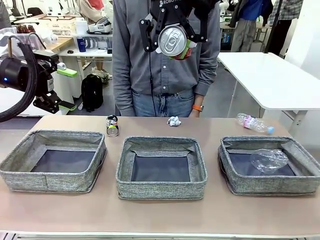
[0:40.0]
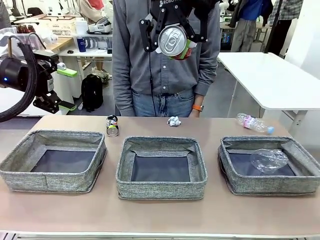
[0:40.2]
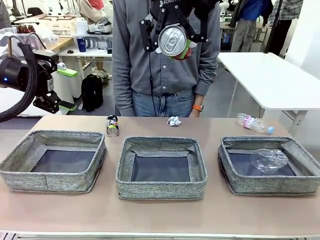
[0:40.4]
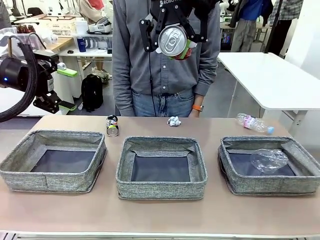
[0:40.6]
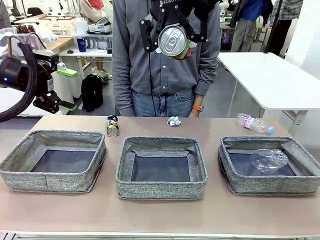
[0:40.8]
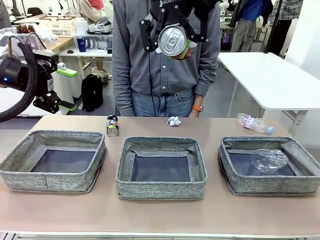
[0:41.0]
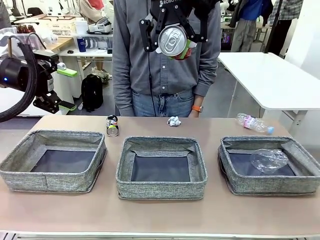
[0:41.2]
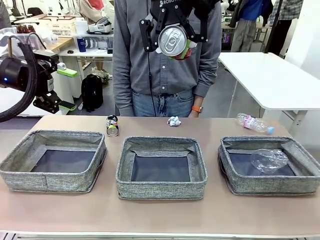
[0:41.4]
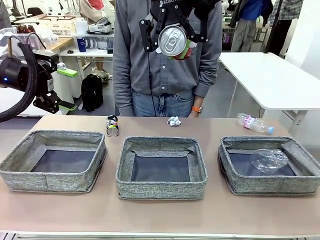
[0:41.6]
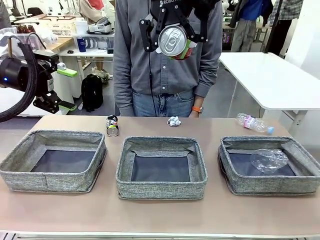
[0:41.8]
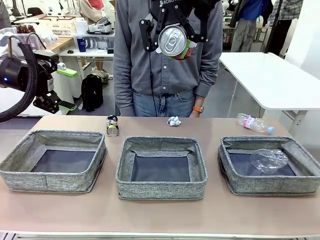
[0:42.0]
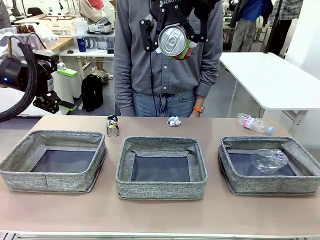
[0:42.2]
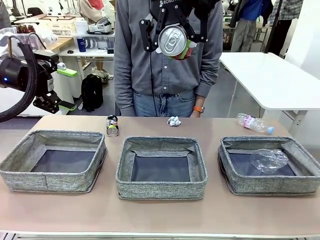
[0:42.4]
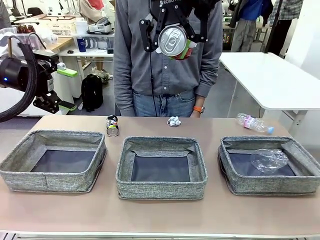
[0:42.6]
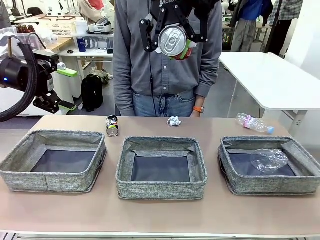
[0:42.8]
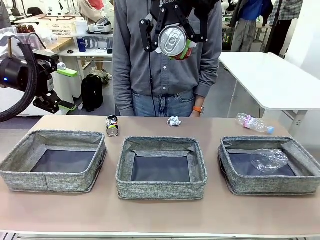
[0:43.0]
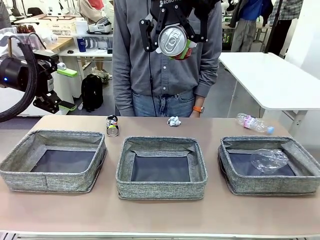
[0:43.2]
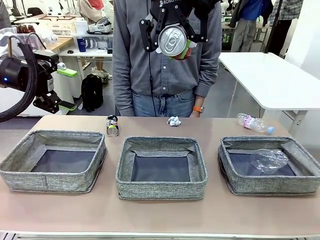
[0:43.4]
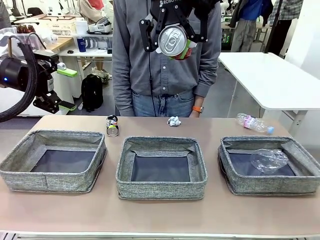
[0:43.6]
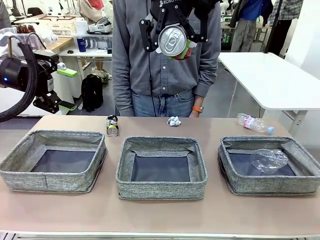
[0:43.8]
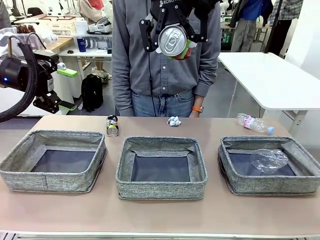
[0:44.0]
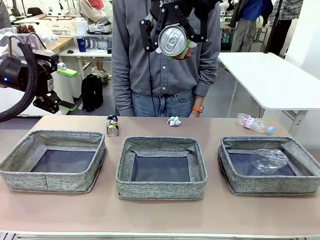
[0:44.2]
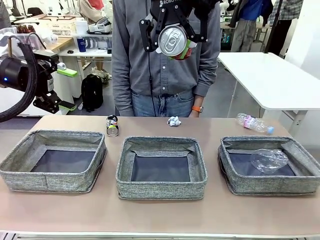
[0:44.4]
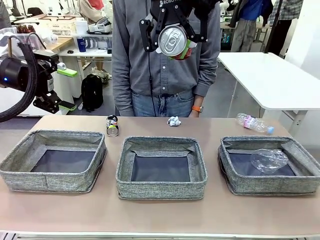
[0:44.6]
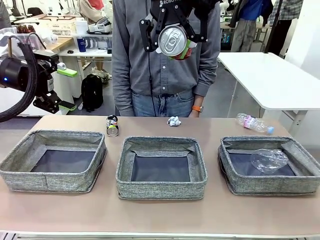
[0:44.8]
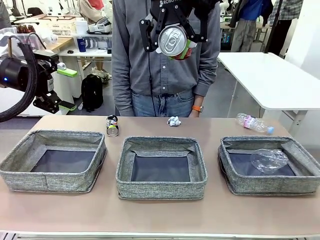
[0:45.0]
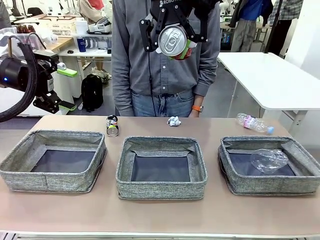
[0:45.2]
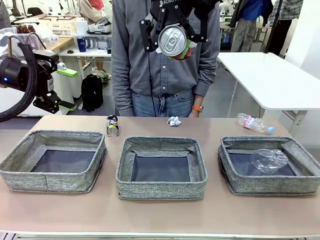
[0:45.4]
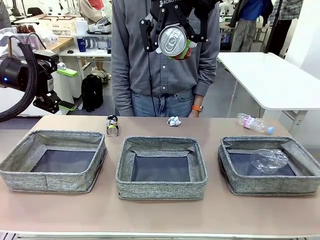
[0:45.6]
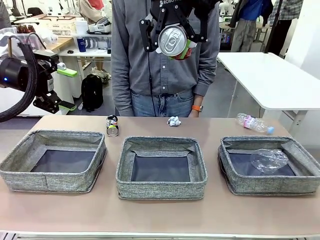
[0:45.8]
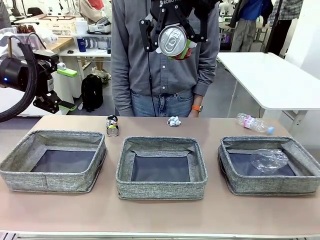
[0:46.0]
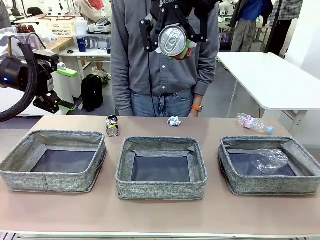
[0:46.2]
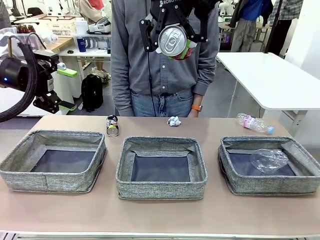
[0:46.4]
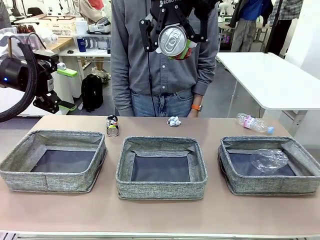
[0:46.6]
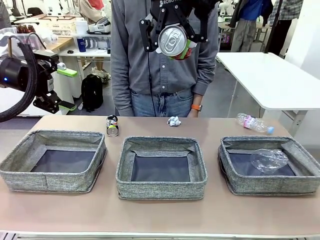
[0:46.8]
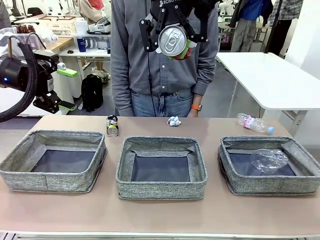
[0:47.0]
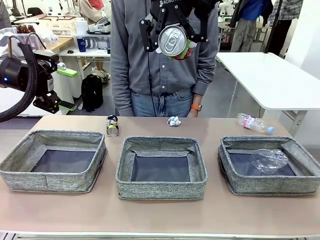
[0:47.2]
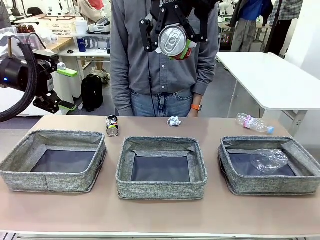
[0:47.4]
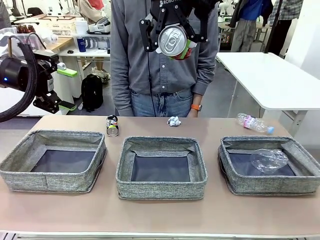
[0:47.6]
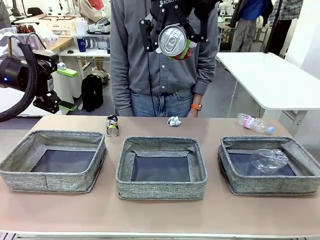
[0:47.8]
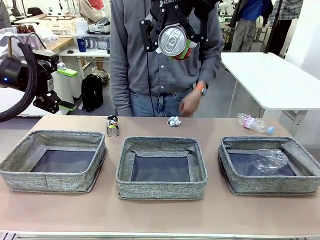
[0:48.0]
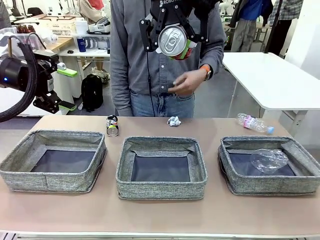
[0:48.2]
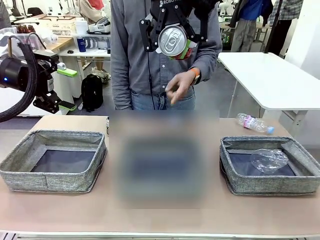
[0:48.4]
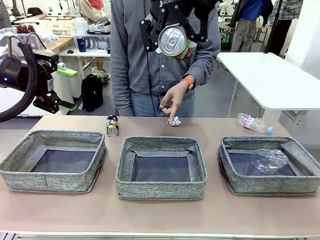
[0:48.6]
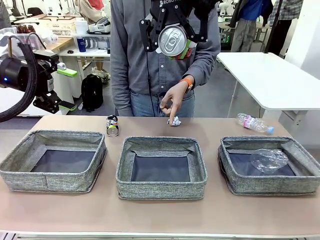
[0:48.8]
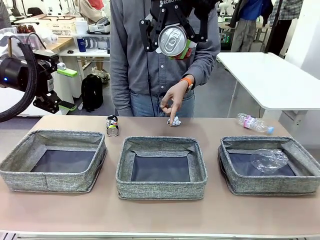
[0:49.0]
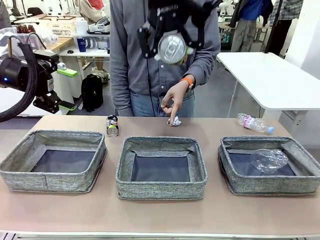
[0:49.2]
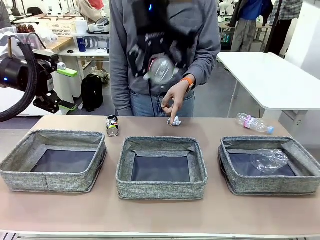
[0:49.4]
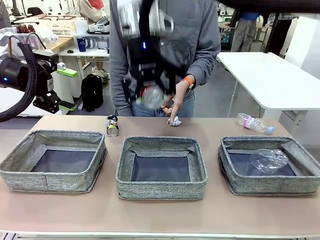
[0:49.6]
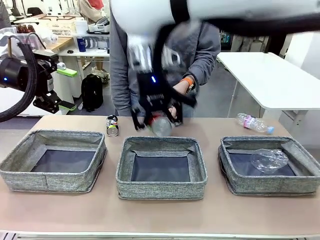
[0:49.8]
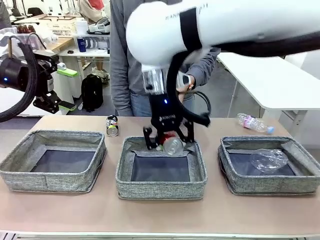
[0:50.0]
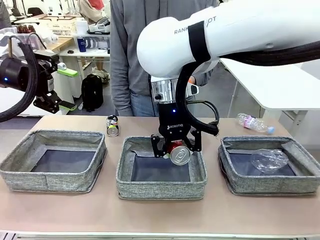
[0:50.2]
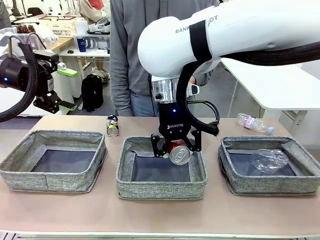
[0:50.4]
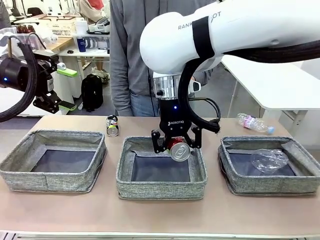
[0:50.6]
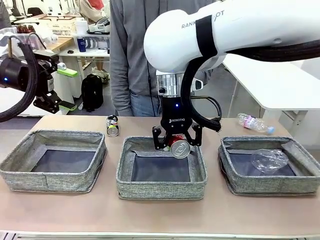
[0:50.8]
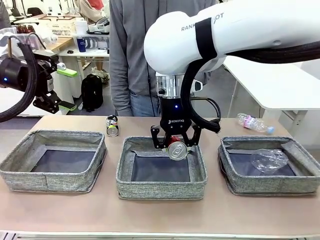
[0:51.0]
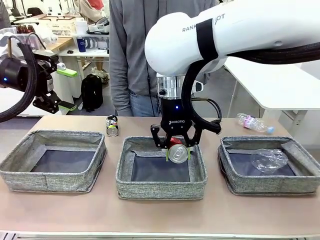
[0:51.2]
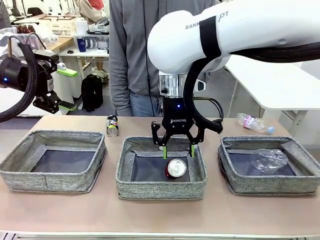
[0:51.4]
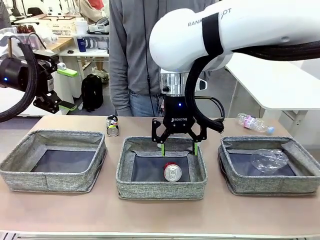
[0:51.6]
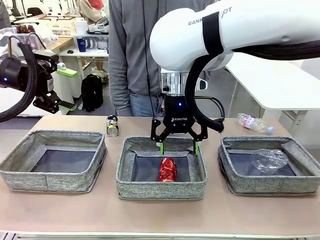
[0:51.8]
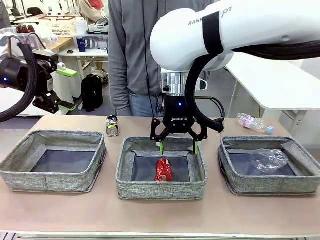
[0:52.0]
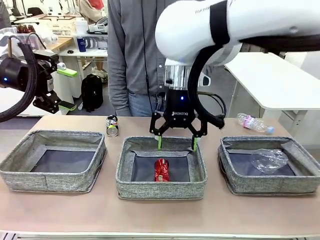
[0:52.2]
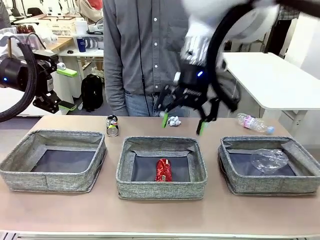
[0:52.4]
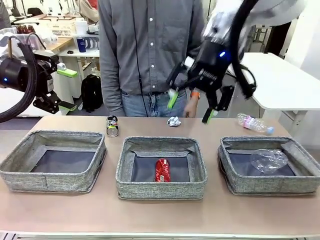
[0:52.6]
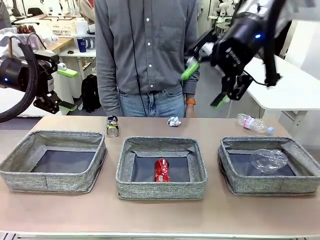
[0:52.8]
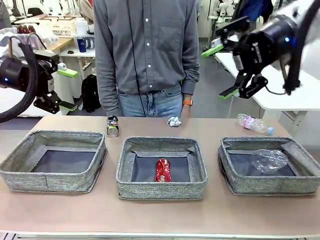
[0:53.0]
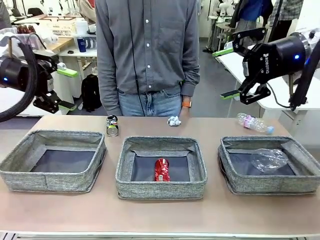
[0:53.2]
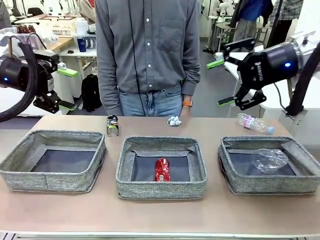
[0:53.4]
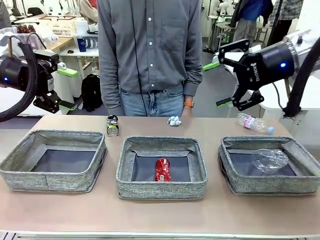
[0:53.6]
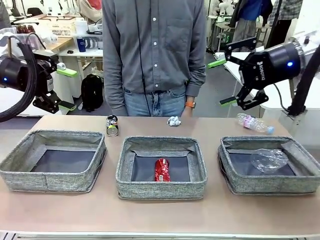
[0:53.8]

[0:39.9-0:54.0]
Task: Sort the waste into the appropriate baskets.
Robot: Place the picked waste into the Fabric basket indicated by the person.
Person: Instructs the robot to place the picked-up trash into the appropriate organizing basket.

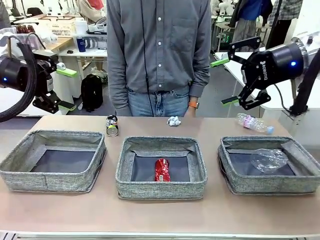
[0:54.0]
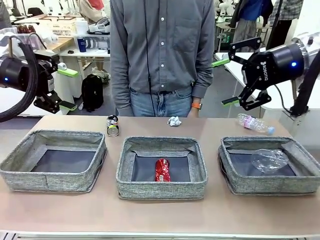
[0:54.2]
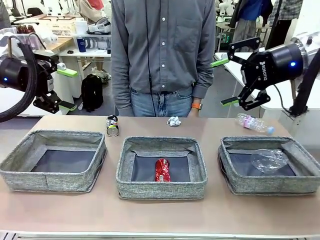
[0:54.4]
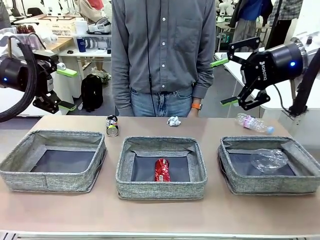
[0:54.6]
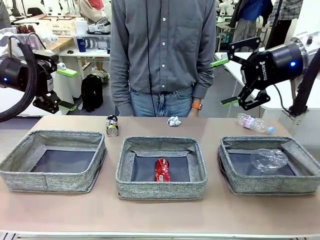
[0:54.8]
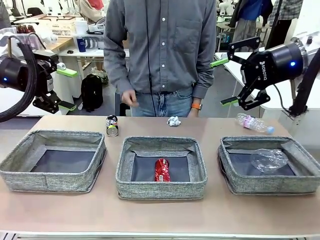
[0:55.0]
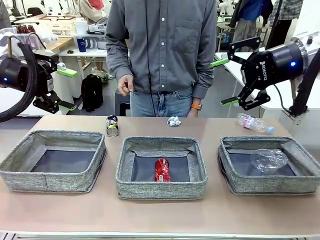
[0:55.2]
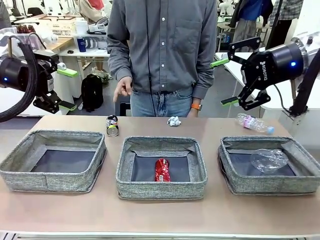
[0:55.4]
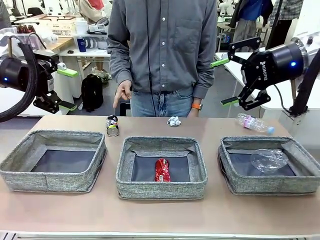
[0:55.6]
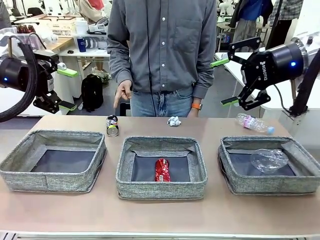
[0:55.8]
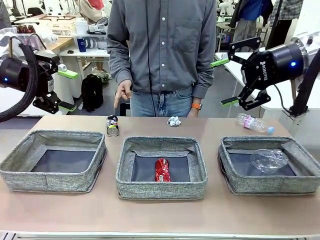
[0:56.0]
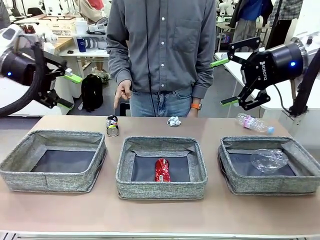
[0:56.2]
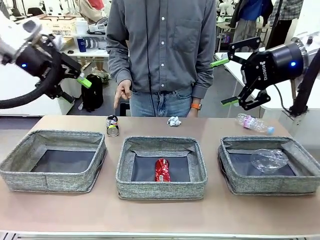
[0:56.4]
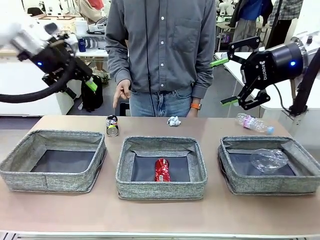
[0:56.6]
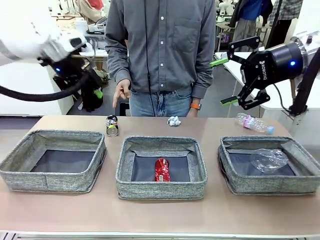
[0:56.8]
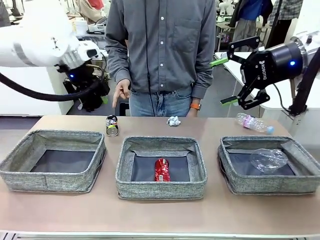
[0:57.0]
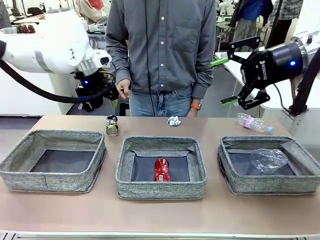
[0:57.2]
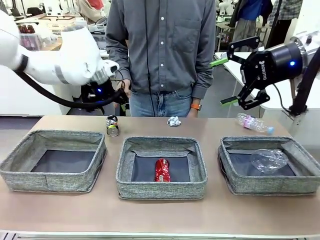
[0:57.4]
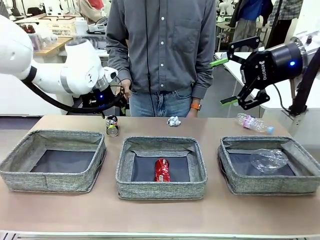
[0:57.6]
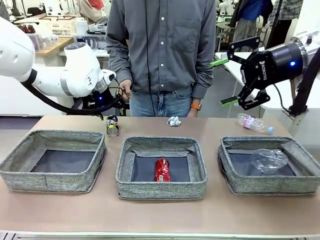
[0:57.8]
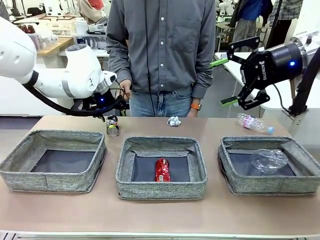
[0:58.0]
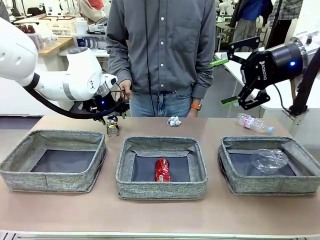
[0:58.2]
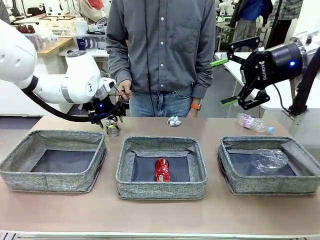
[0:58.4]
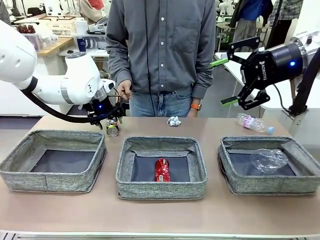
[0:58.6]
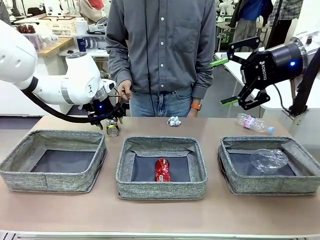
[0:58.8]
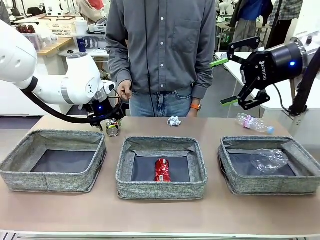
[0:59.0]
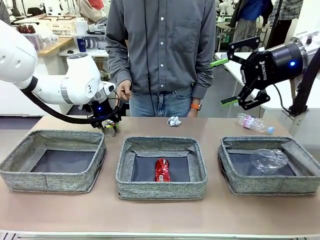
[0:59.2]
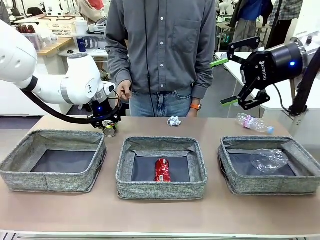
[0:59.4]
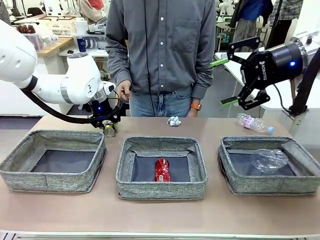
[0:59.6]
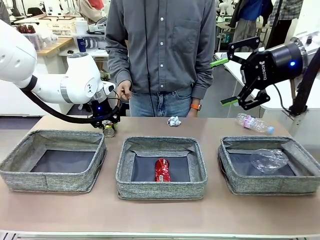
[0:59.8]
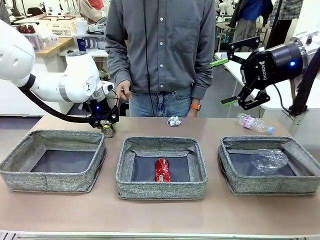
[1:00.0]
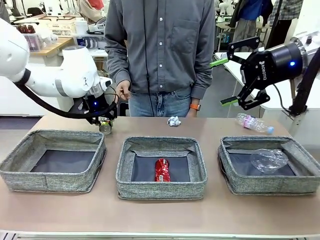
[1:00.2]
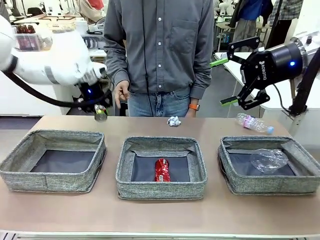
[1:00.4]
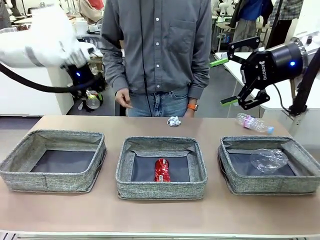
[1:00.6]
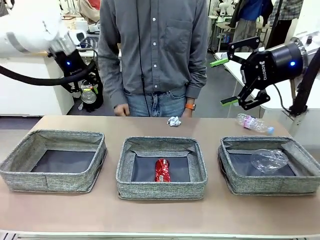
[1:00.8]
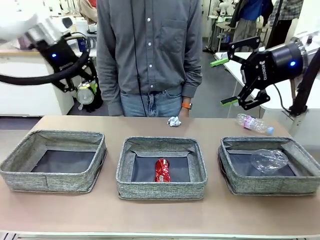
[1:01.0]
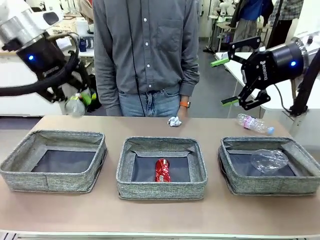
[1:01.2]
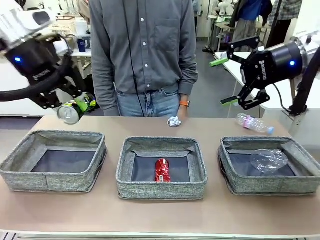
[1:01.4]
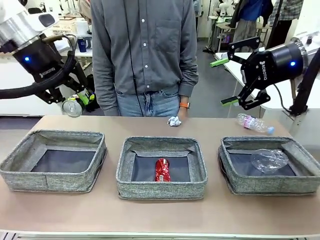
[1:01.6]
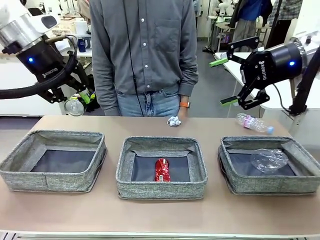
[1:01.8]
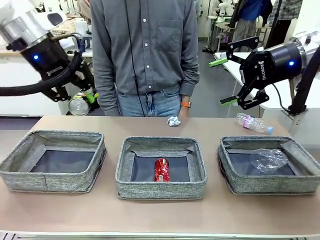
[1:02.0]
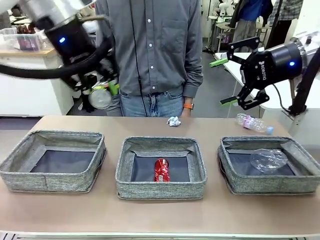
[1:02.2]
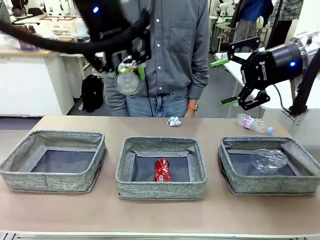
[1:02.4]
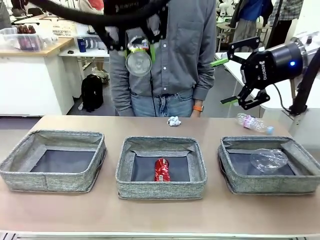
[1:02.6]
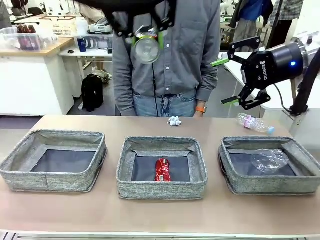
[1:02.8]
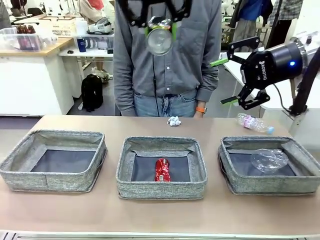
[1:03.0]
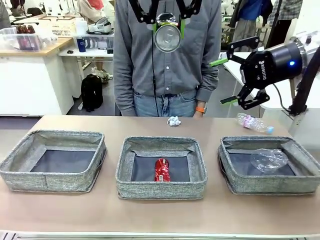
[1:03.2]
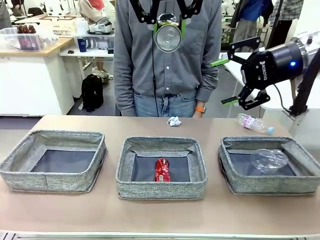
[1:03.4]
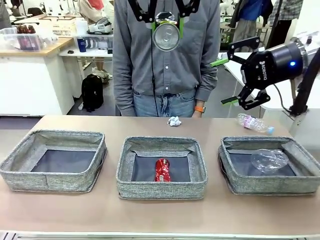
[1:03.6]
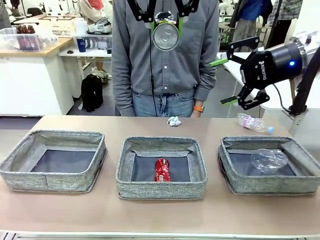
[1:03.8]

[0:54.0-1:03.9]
Robot: Pick up the waste item pointed out by the person.
Person: Points to one piece of trash on the table.
